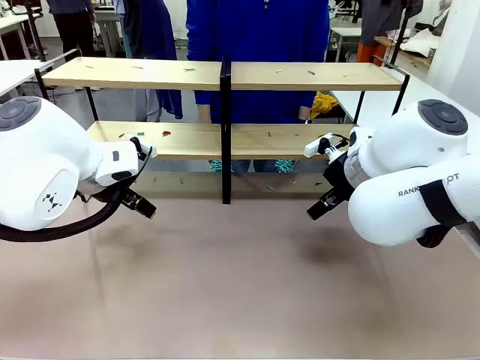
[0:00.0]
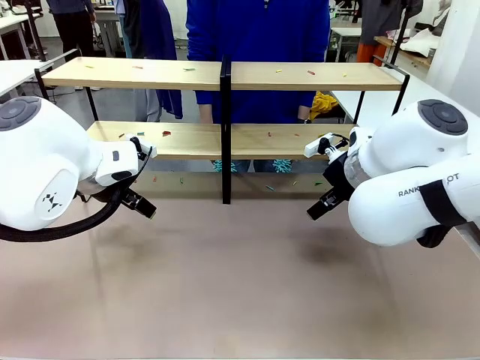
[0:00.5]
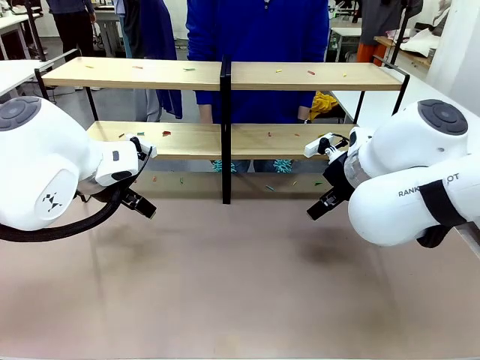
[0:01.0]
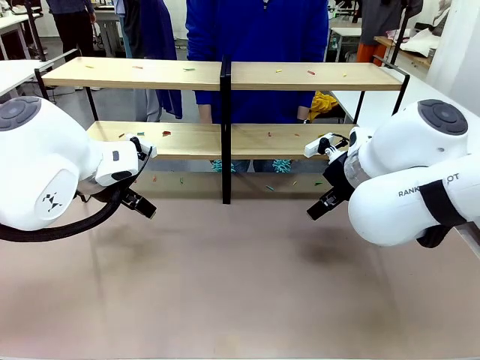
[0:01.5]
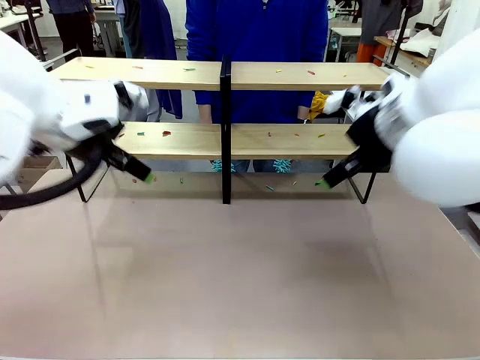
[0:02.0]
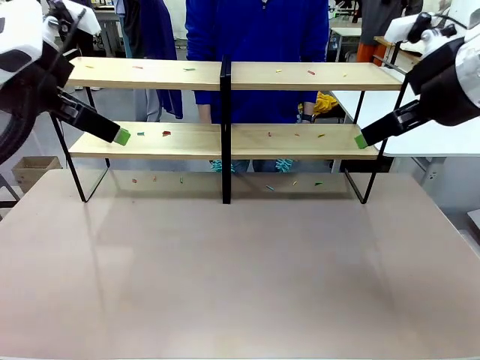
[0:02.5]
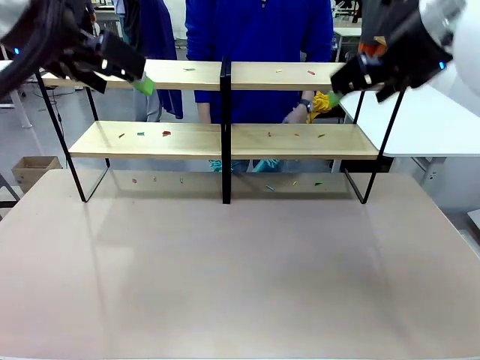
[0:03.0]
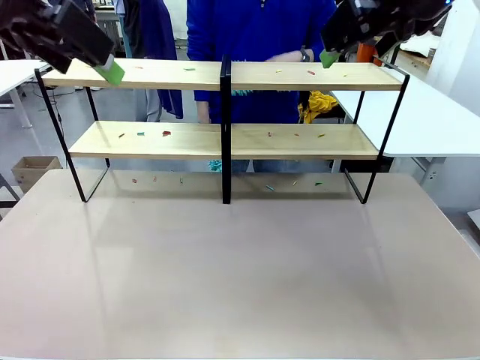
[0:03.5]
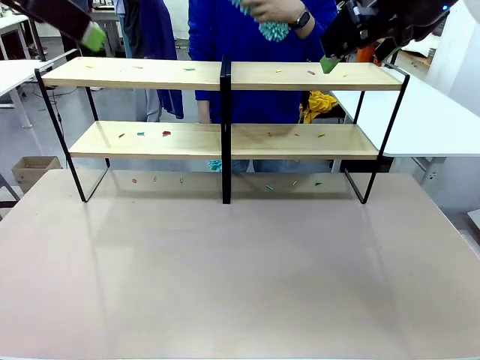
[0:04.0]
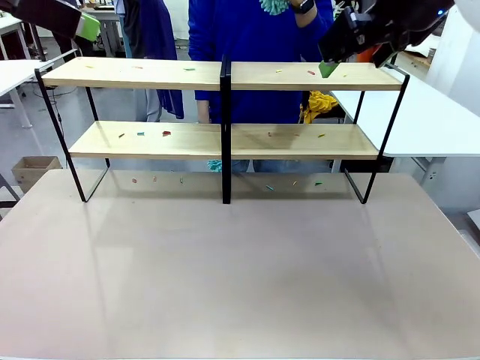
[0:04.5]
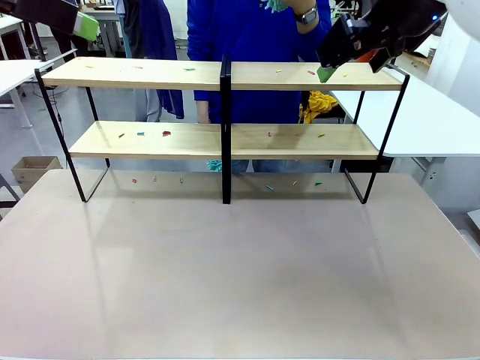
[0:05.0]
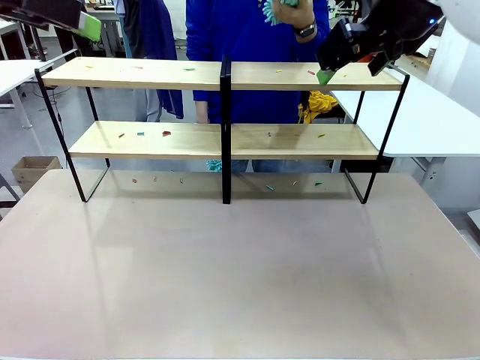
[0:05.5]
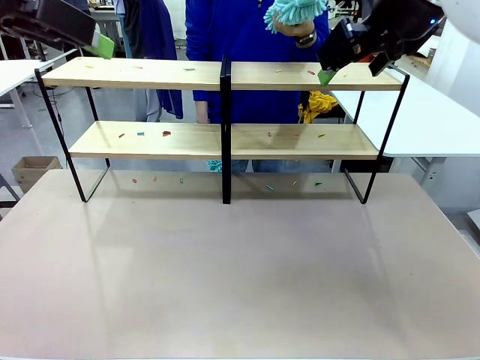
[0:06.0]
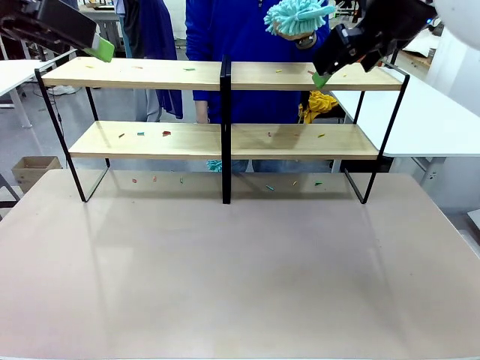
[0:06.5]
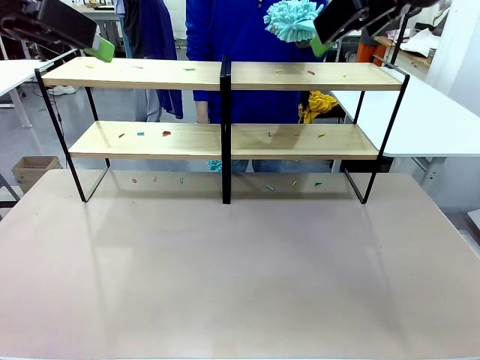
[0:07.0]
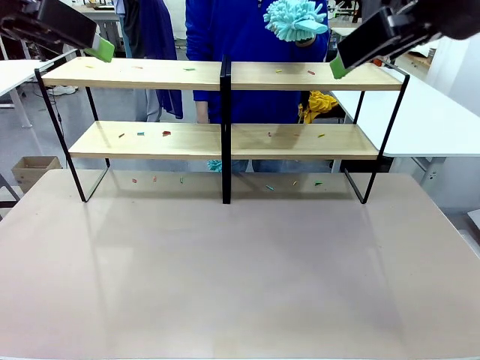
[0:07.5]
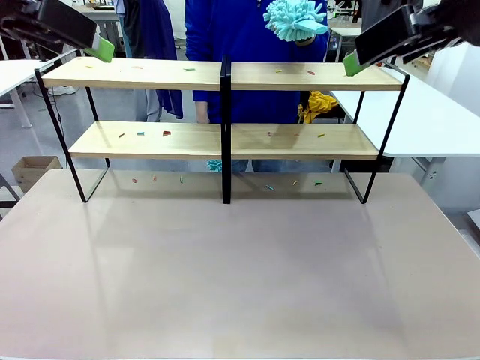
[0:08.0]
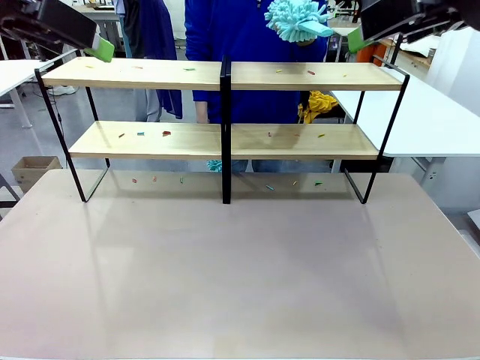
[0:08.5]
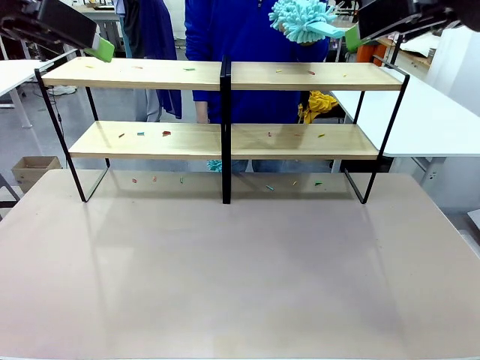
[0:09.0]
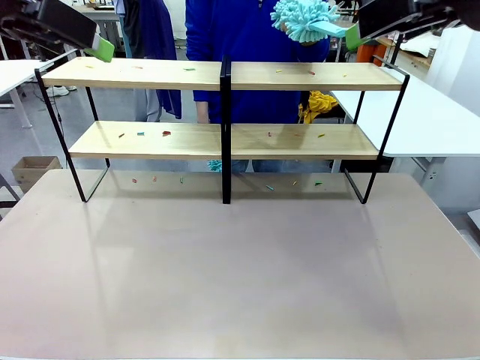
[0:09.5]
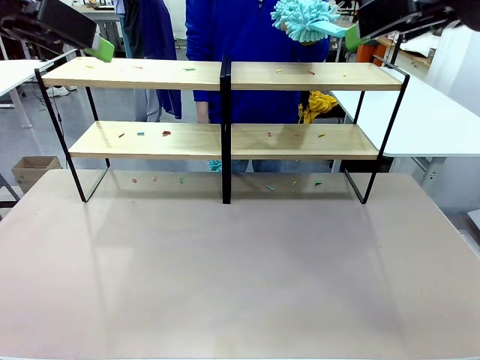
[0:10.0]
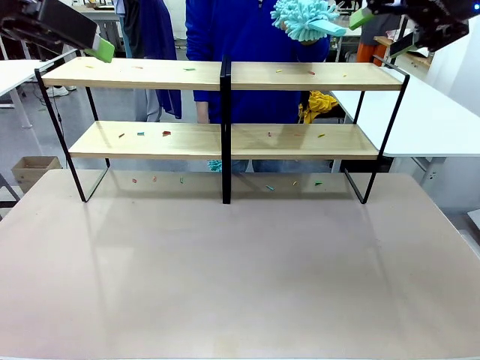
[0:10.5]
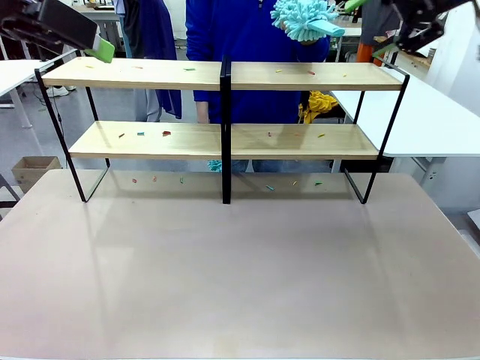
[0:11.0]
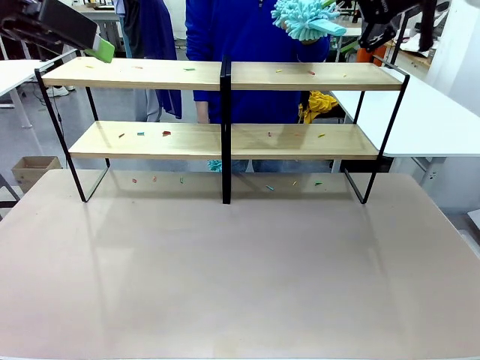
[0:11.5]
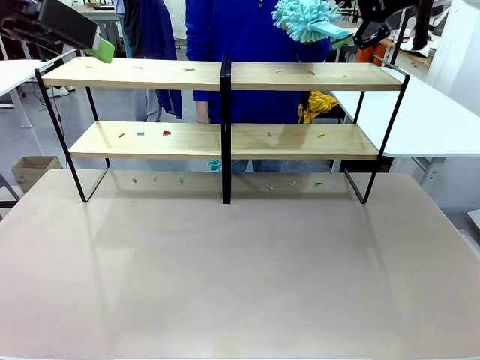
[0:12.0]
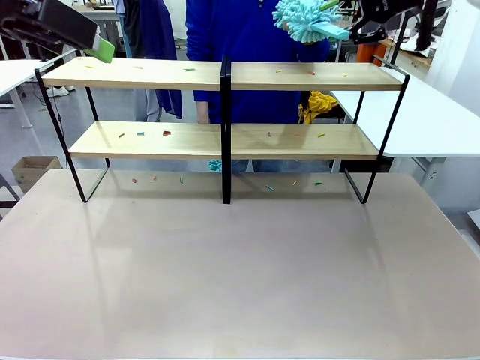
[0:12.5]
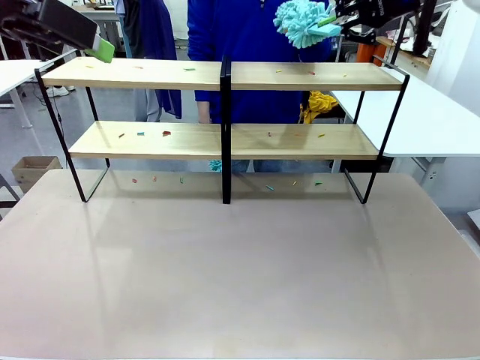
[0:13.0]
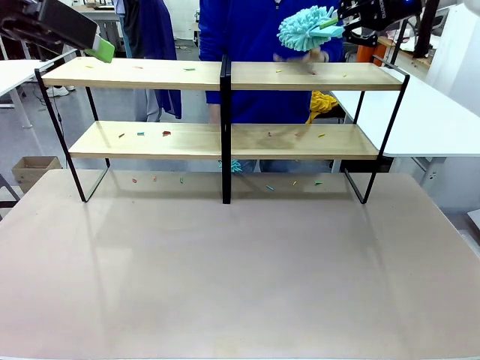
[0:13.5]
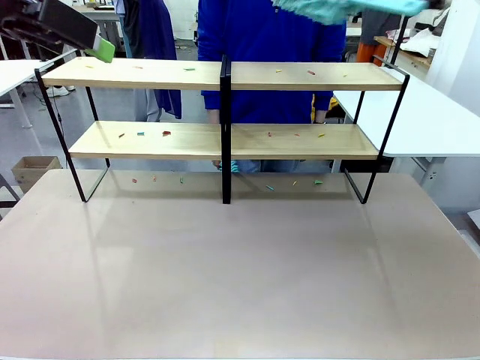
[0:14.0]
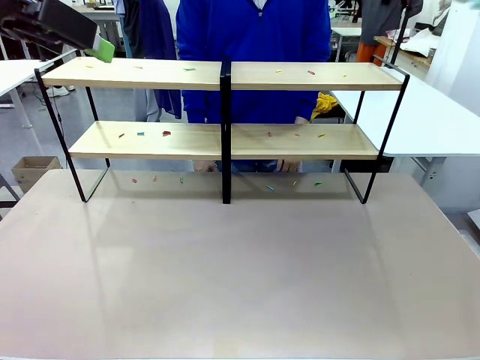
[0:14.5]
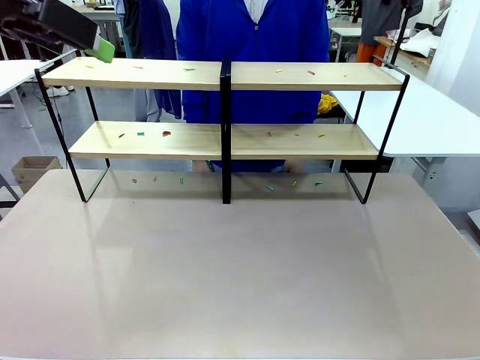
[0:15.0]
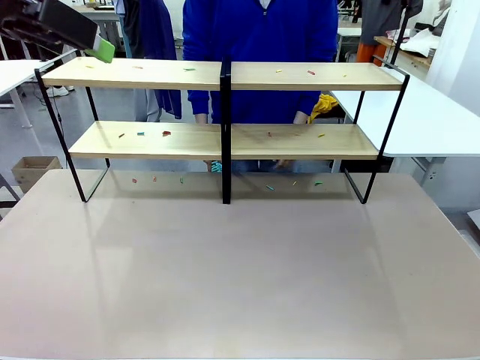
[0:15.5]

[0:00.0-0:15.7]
Task: Clean the shelves.
Robot: Pick up the Duster when the human hands it over.
Person: Hand the Duster to the robot with your right (or left) hand.

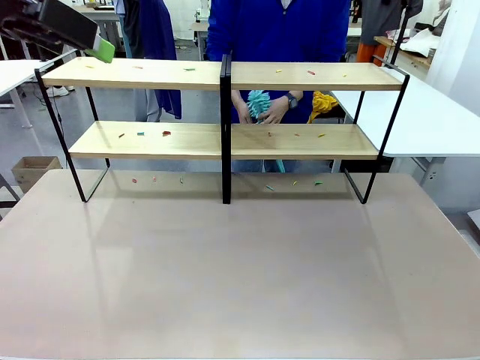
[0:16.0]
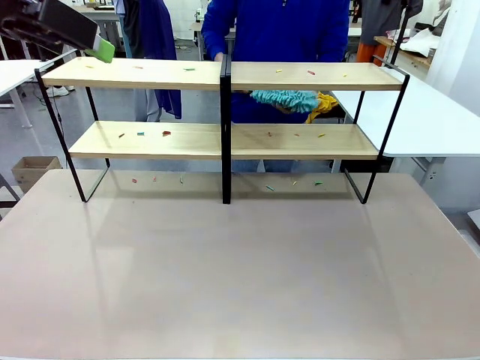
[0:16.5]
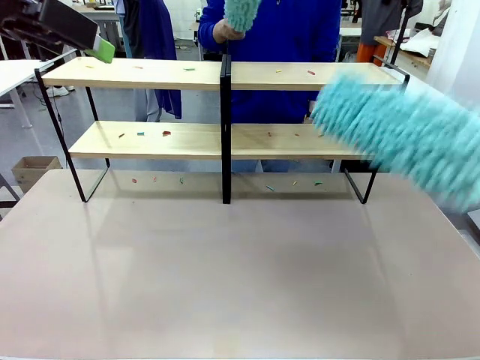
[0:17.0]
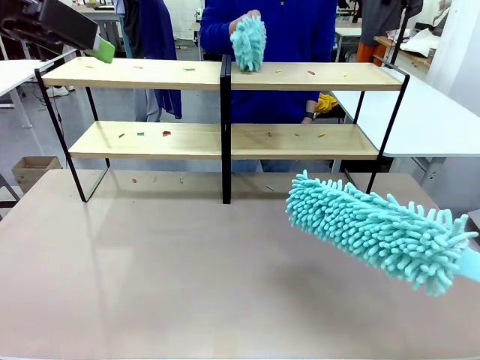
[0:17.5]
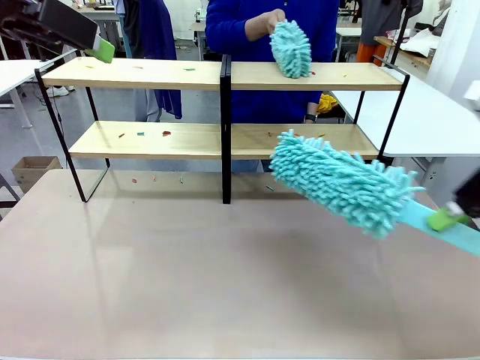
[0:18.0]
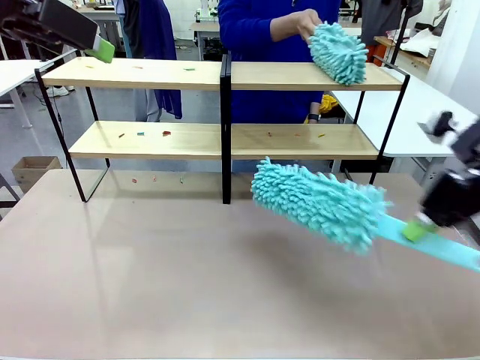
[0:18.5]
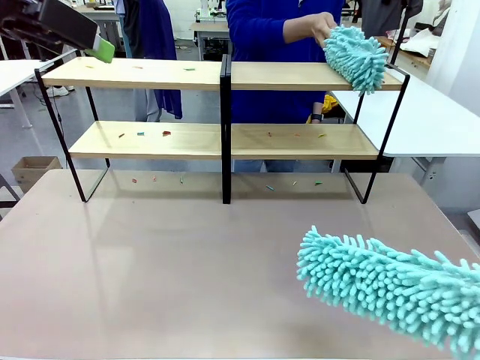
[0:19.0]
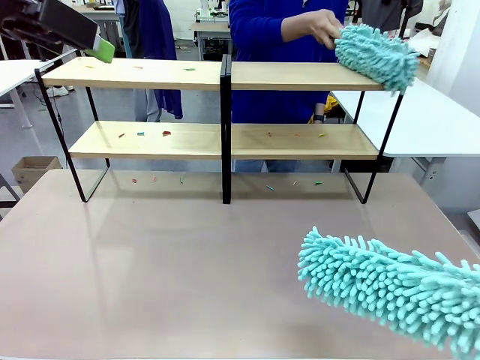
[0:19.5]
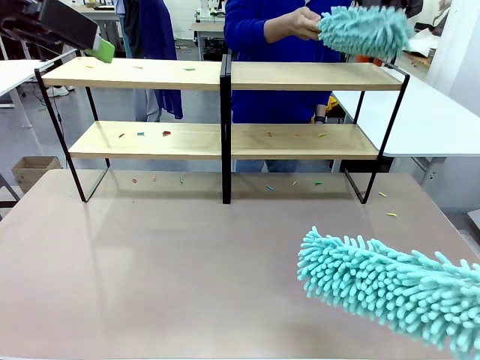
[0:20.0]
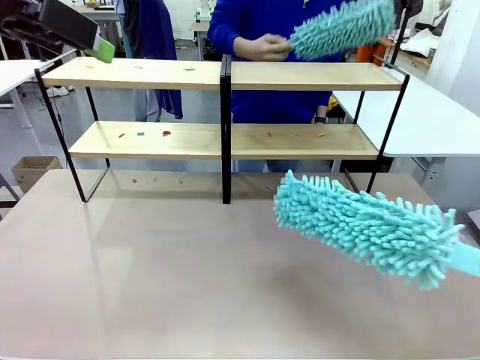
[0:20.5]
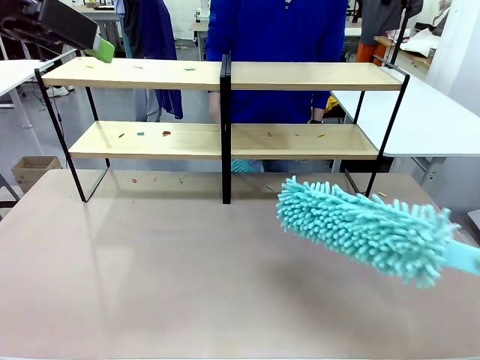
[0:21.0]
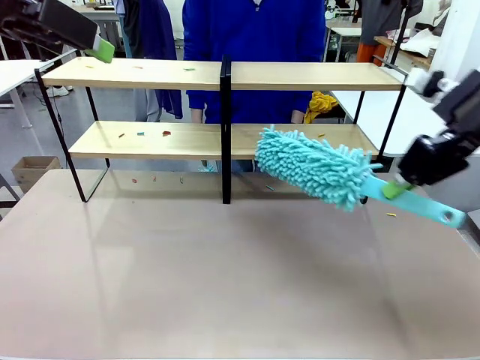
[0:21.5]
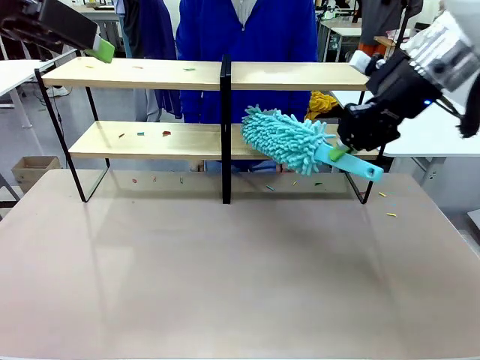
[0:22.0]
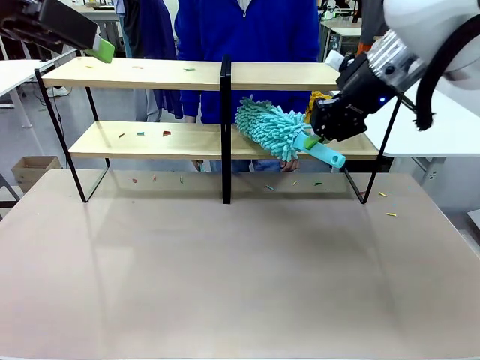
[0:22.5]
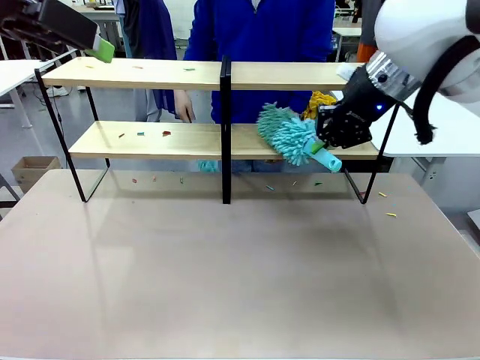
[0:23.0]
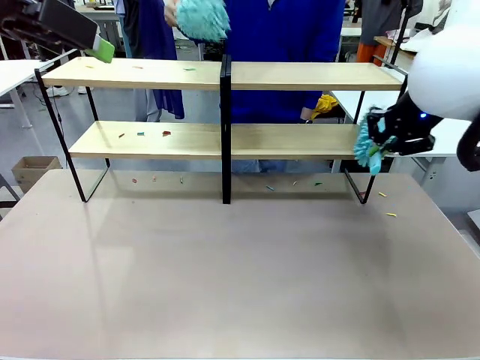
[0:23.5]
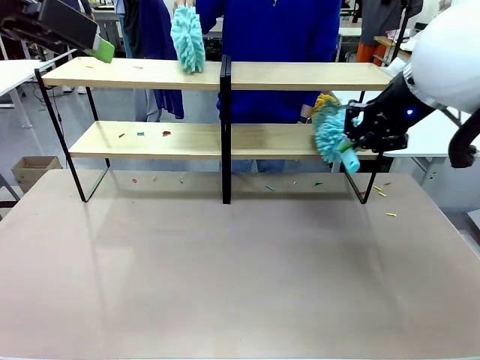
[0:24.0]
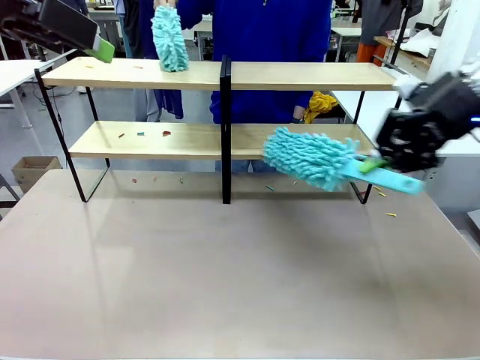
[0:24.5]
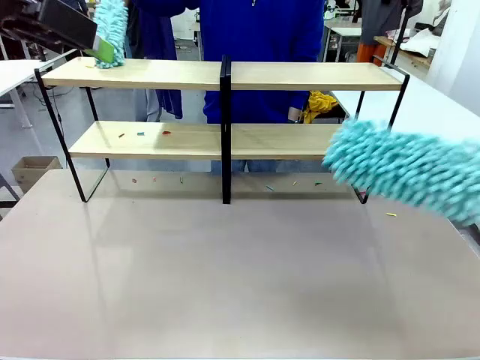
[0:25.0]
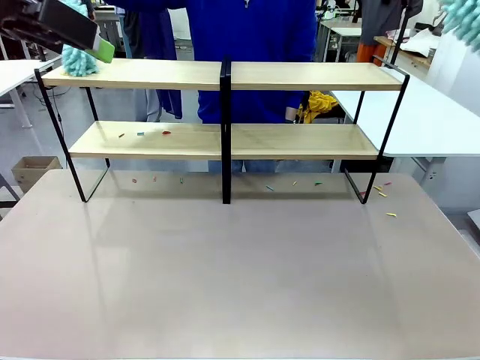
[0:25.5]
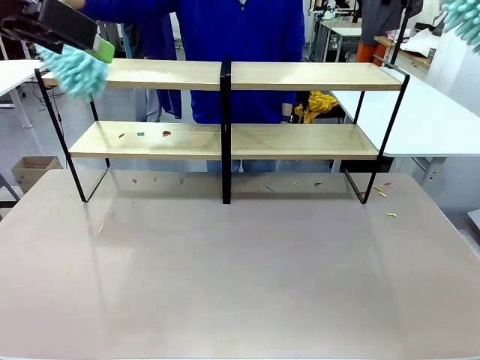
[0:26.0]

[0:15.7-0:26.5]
Robot: Clean a randomly selected level of the Shelf with the Duster.
